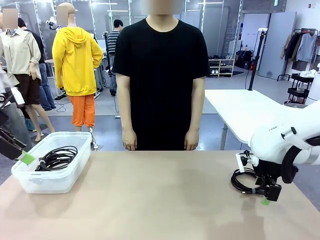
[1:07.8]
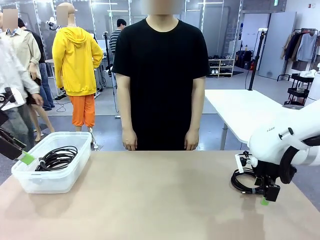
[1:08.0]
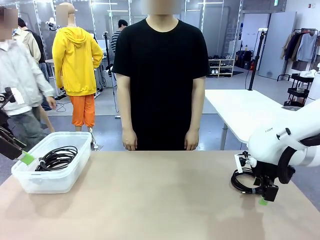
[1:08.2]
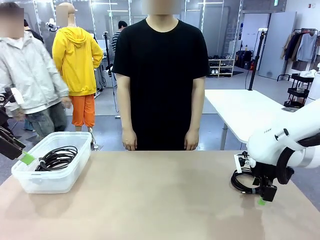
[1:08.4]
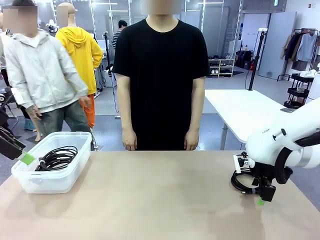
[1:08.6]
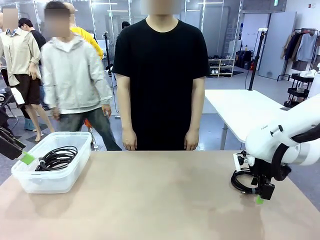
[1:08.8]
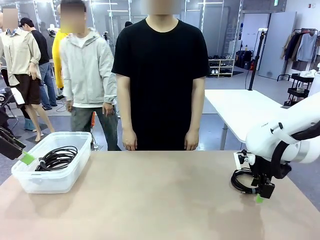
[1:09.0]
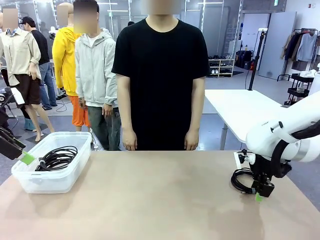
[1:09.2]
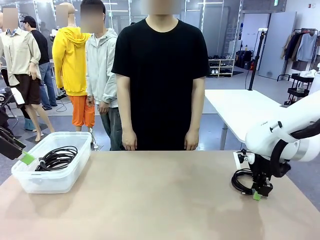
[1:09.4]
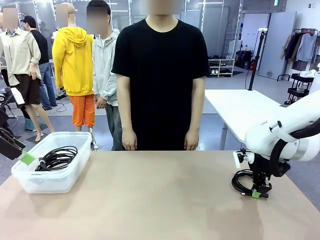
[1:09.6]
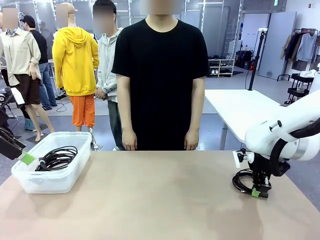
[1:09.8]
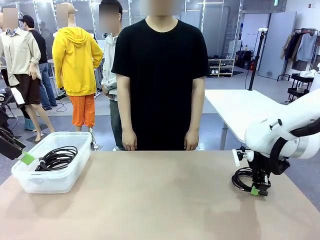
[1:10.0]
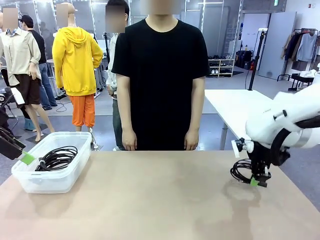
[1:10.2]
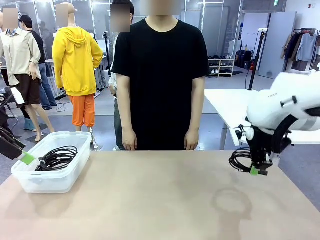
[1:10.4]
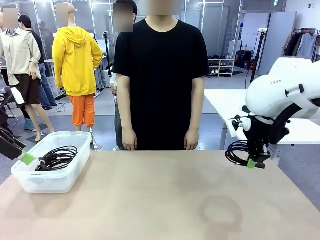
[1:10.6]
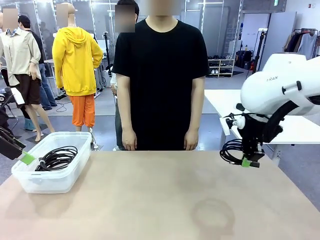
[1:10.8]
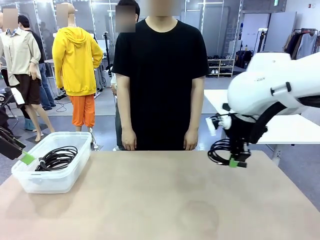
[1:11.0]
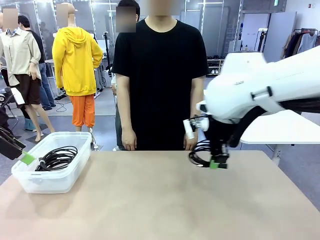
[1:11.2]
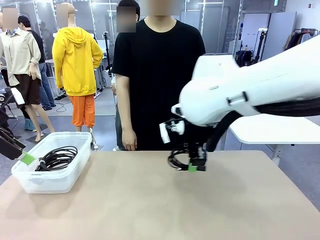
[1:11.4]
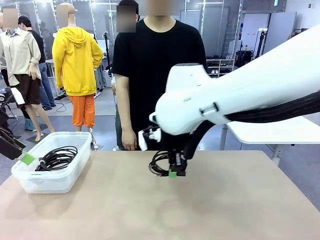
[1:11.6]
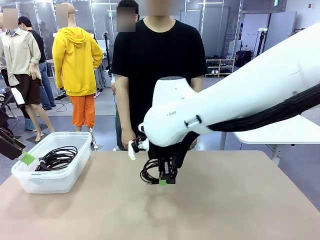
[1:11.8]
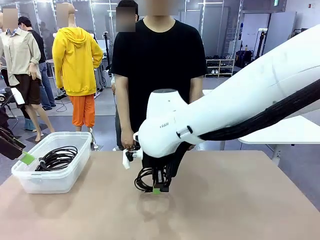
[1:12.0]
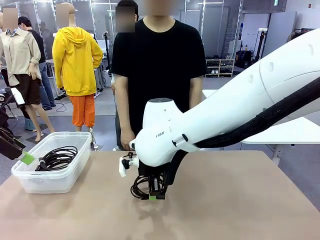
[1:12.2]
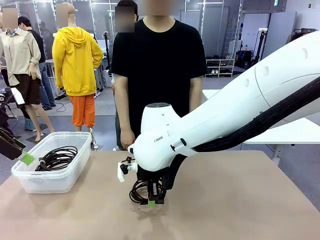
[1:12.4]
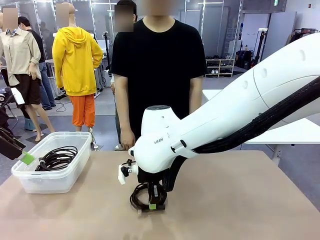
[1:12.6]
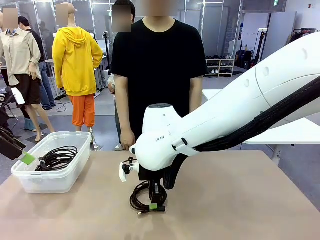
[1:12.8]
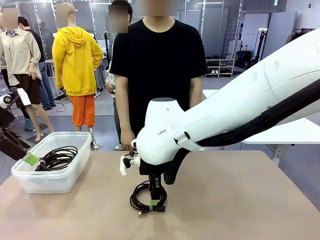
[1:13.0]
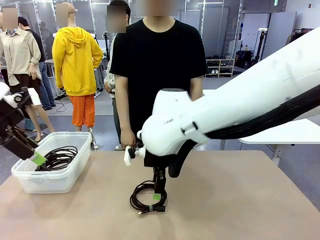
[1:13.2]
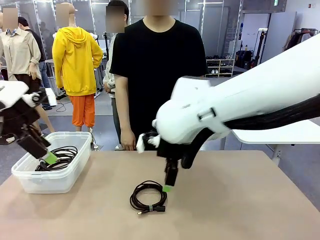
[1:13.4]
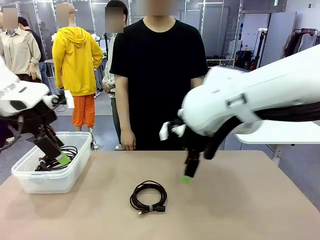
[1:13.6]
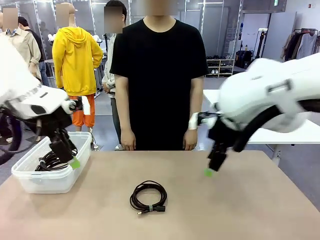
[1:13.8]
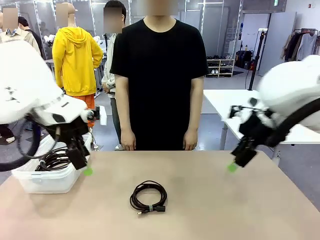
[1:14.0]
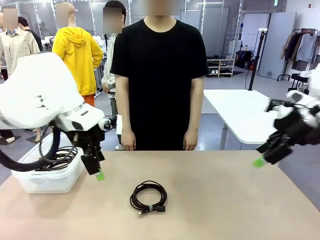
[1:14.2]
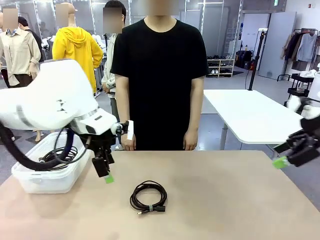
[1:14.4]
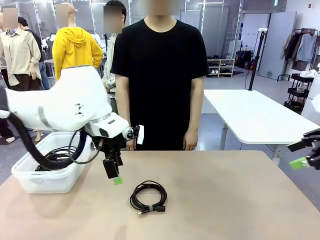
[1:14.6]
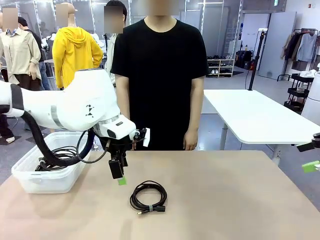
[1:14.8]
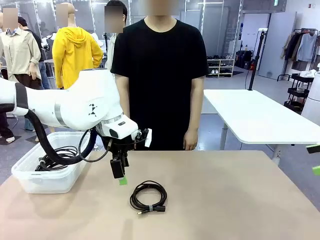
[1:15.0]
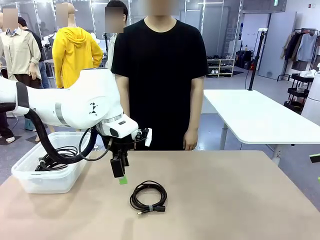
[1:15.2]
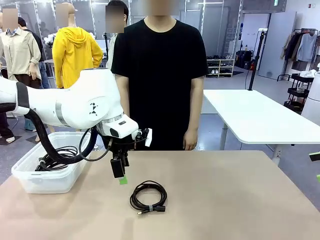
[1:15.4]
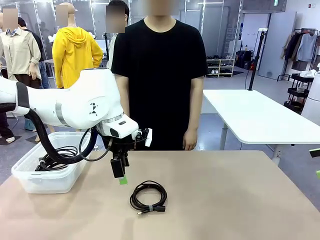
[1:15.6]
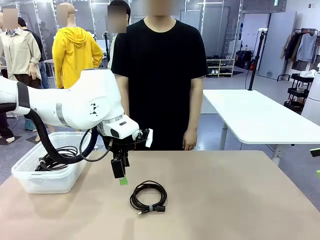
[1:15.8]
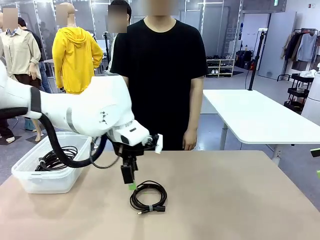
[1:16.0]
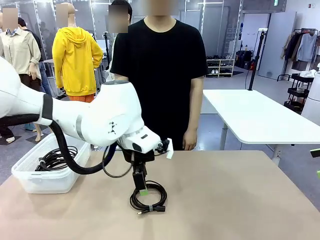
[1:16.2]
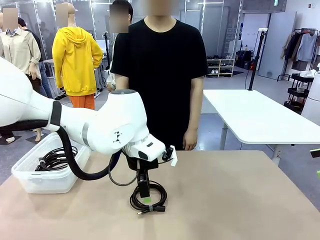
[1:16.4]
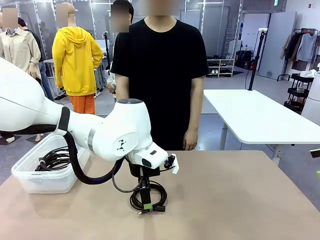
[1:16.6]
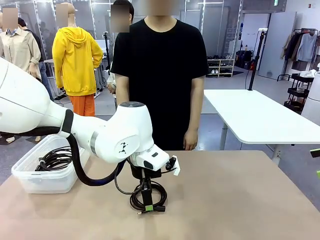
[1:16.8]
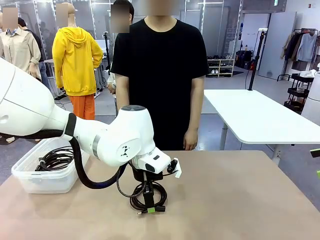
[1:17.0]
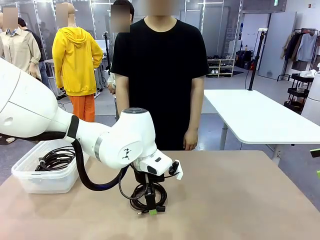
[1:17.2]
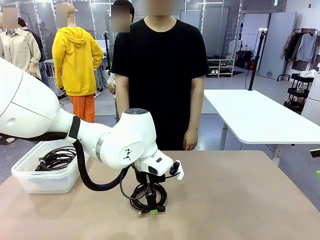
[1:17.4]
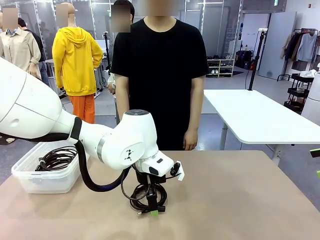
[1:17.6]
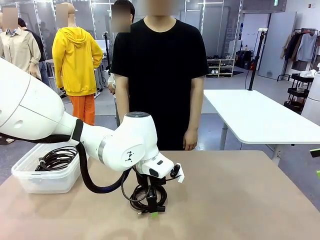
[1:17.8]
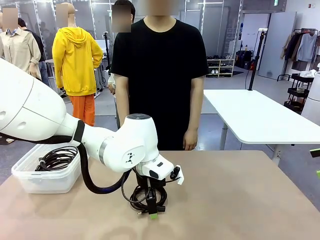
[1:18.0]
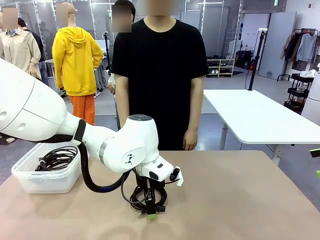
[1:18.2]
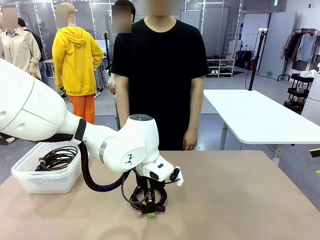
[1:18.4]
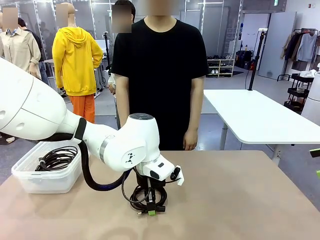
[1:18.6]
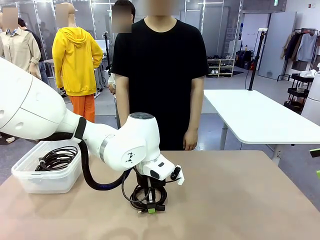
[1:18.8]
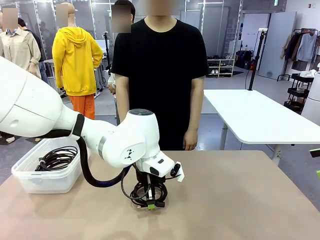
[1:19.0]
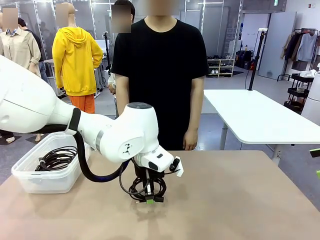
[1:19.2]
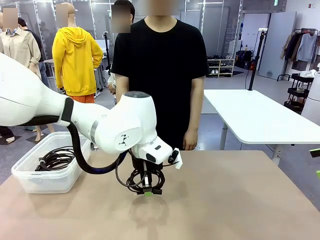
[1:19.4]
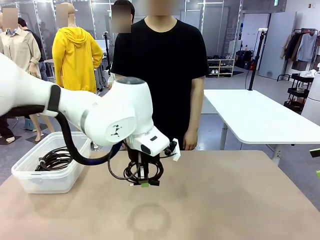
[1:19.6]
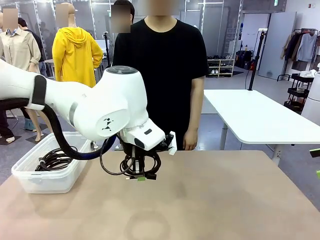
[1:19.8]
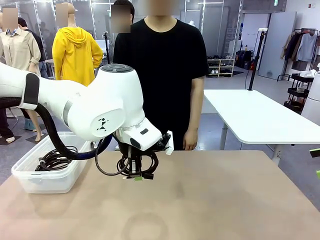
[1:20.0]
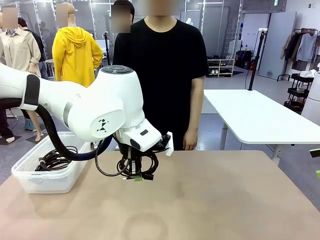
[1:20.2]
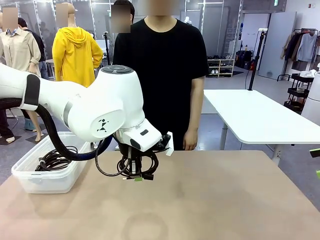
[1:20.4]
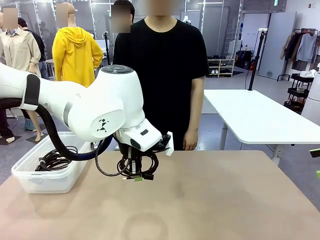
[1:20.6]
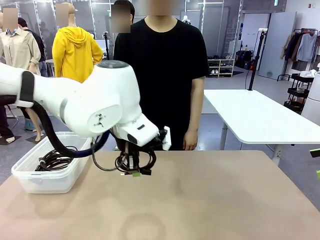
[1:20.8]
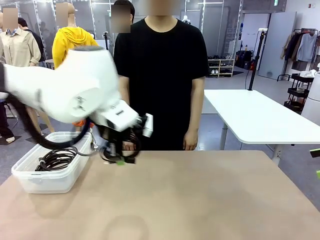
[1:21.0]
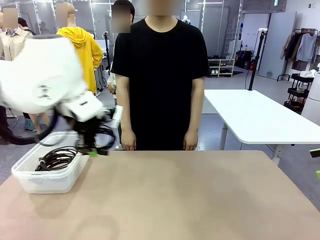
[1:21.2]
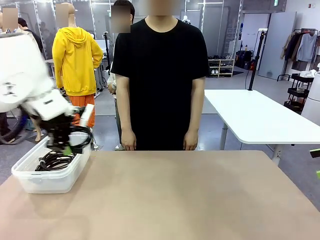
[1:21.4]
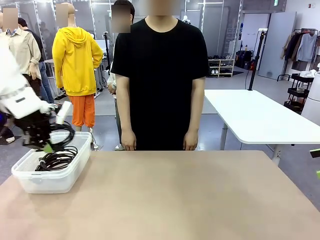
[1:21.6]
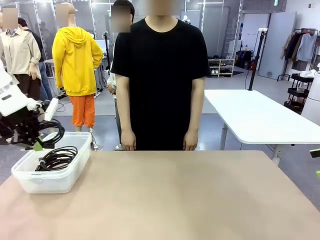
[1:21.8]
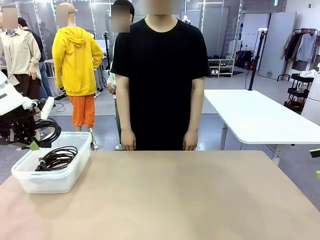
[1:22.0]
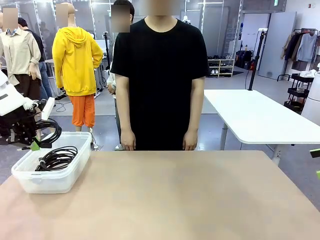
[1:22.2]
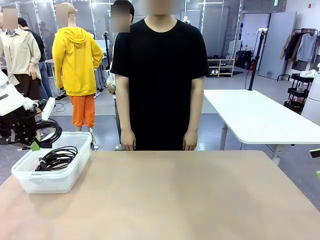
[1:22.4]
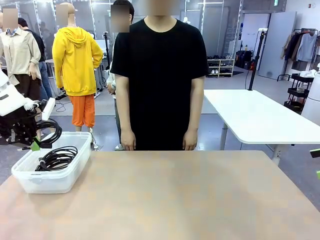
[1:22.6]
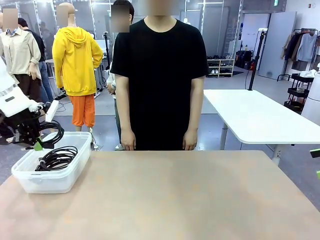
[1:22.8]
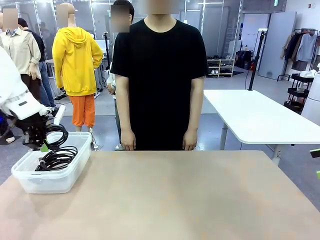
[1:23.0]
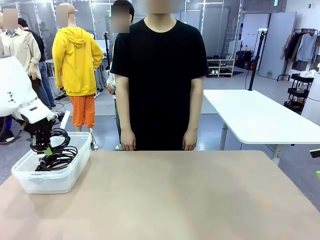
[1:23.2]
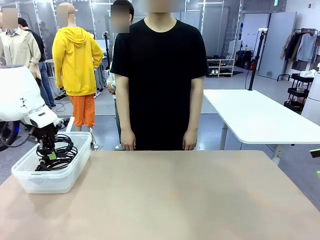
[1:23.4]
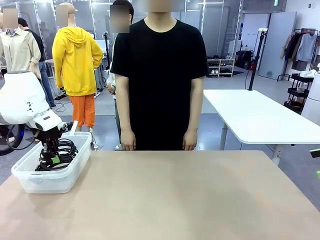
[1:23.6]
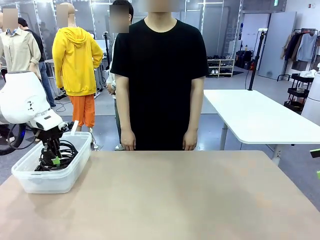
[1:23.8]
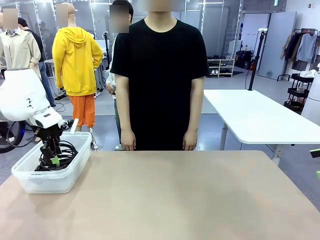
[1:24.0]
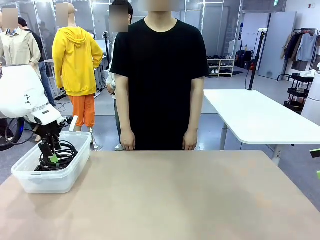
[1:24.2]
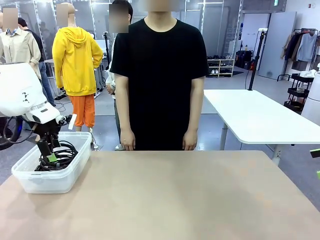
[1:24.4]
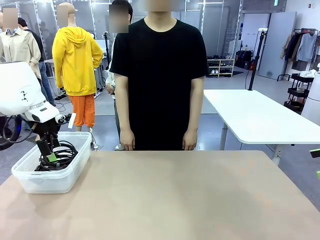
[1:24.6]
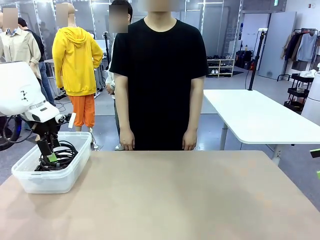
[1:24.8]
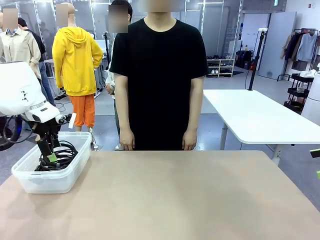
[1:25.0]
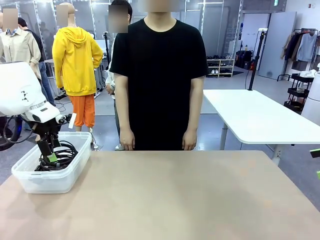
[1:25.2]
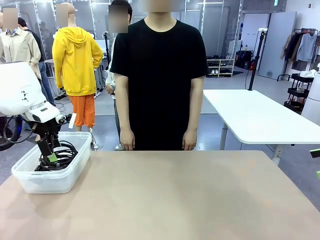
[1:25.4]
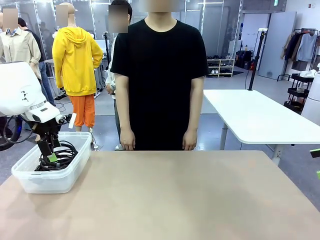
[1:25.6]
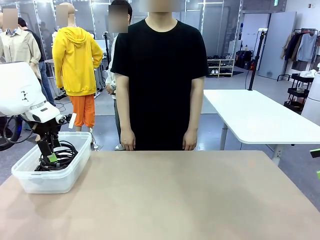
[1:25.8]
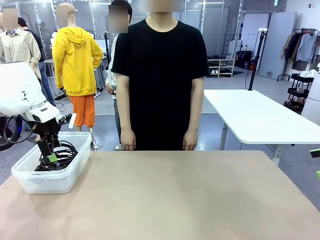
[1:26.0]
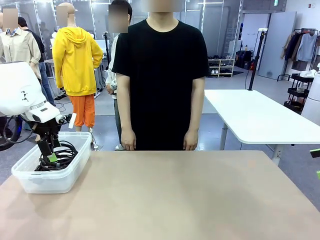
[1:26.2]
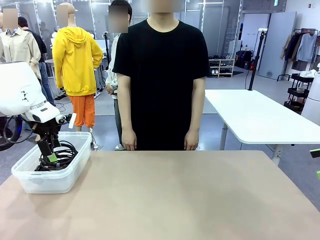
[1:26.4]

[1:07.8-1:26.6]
Task: Organize and store the cables.
Robot: Place the USB Extension Cable into the Organizing box.
